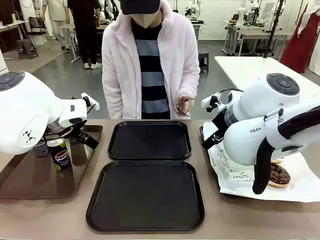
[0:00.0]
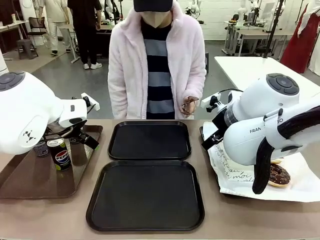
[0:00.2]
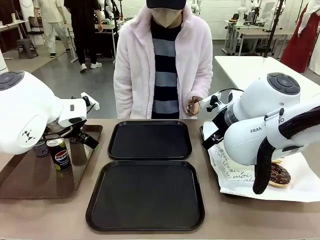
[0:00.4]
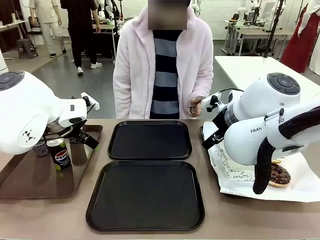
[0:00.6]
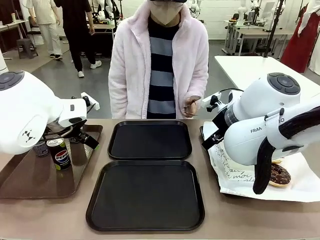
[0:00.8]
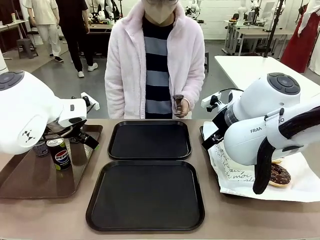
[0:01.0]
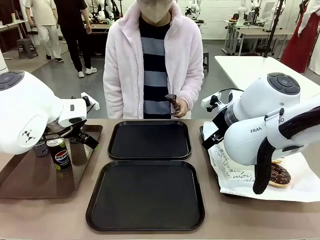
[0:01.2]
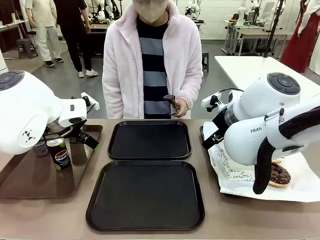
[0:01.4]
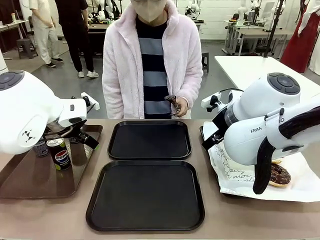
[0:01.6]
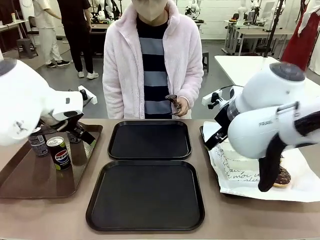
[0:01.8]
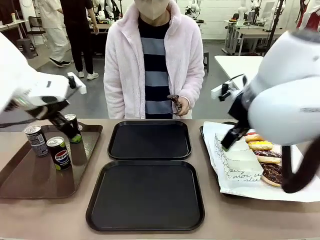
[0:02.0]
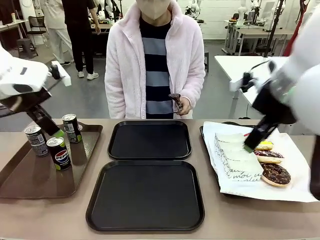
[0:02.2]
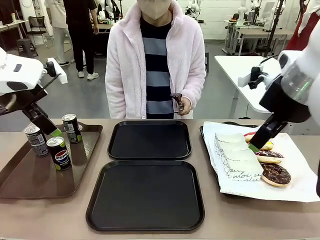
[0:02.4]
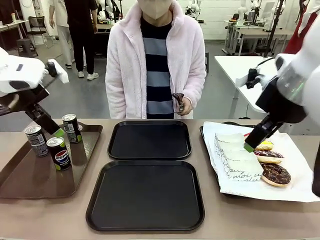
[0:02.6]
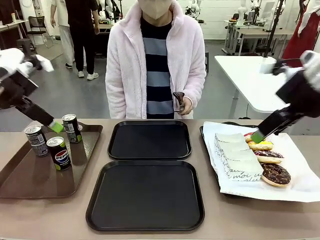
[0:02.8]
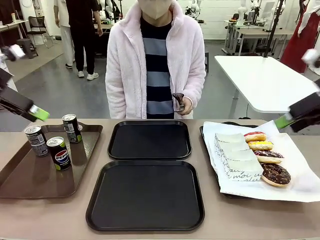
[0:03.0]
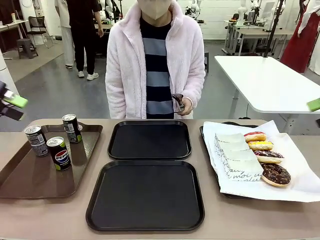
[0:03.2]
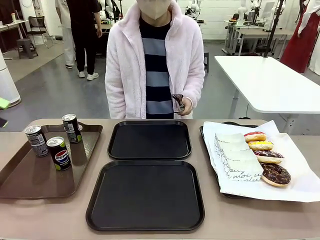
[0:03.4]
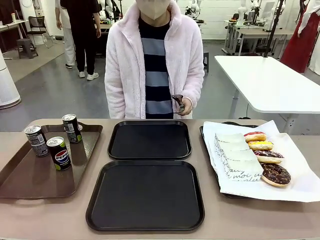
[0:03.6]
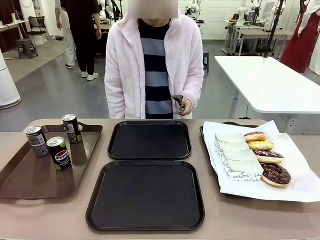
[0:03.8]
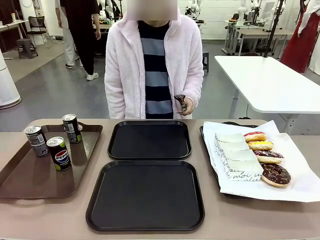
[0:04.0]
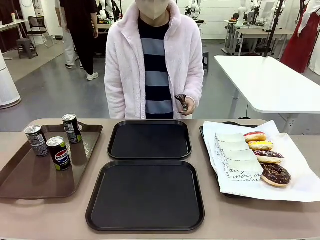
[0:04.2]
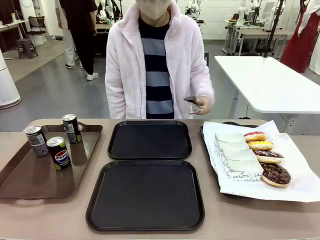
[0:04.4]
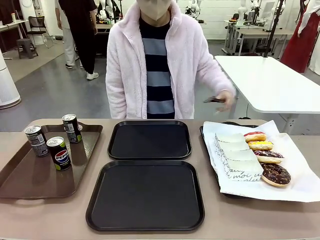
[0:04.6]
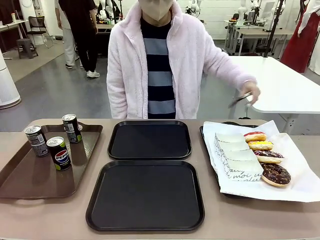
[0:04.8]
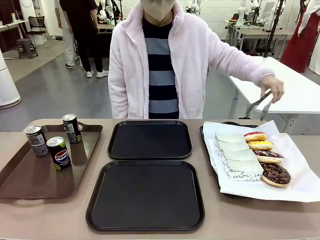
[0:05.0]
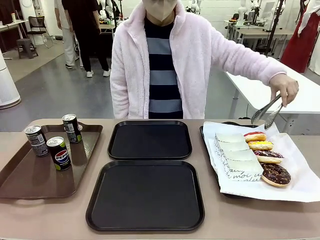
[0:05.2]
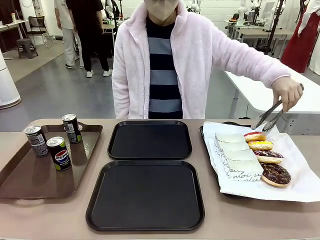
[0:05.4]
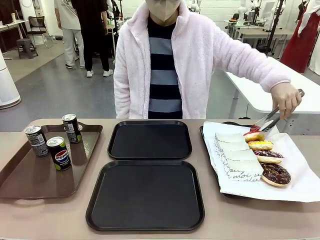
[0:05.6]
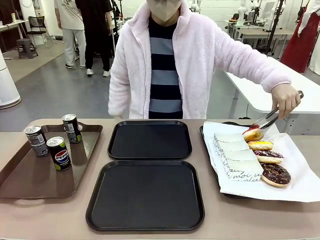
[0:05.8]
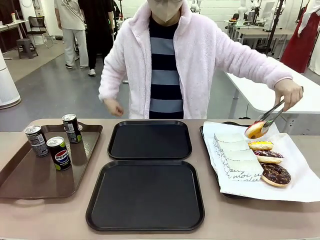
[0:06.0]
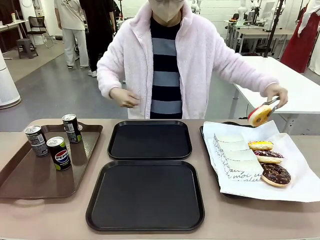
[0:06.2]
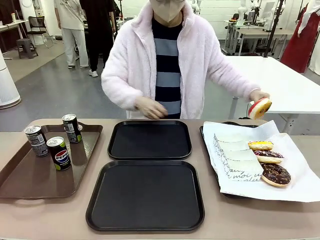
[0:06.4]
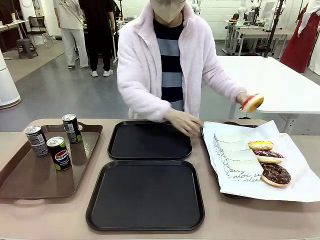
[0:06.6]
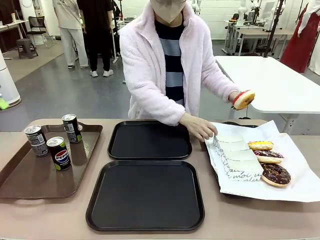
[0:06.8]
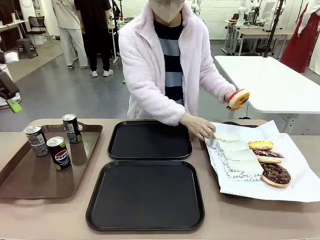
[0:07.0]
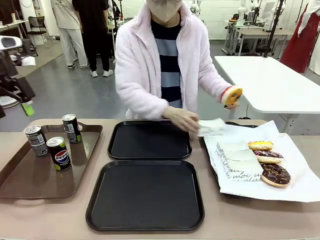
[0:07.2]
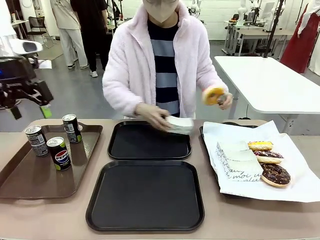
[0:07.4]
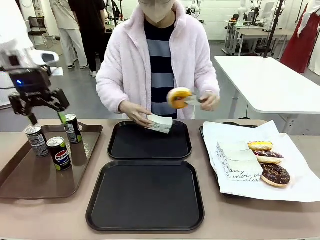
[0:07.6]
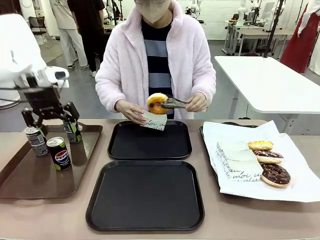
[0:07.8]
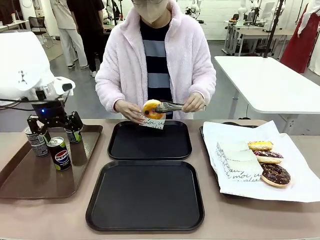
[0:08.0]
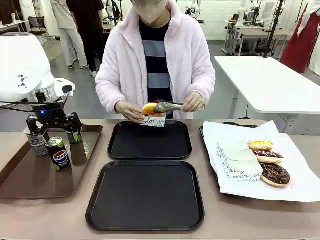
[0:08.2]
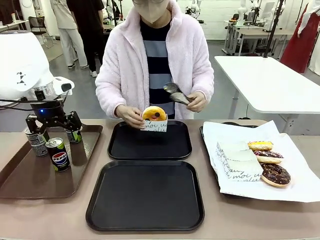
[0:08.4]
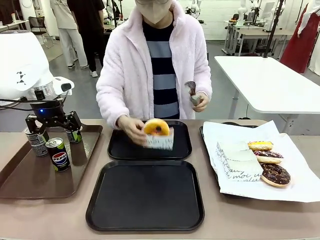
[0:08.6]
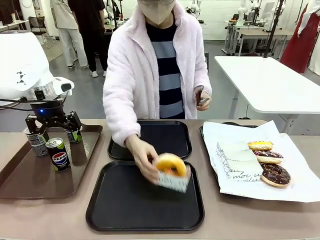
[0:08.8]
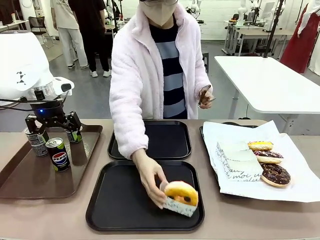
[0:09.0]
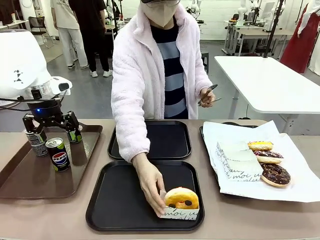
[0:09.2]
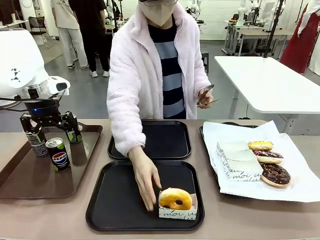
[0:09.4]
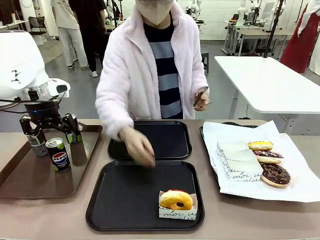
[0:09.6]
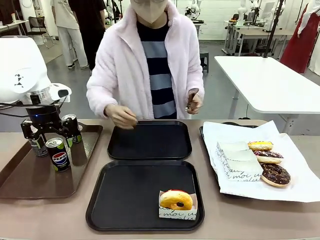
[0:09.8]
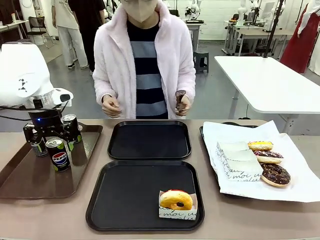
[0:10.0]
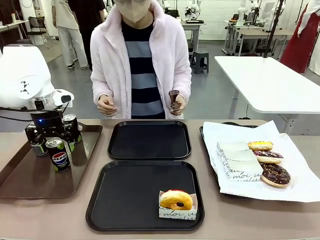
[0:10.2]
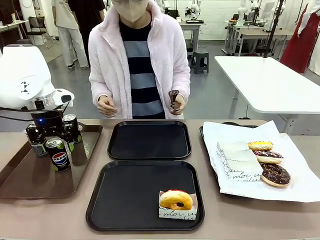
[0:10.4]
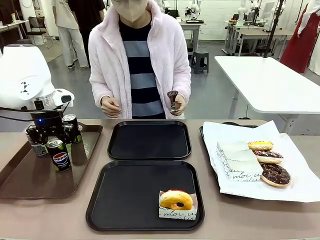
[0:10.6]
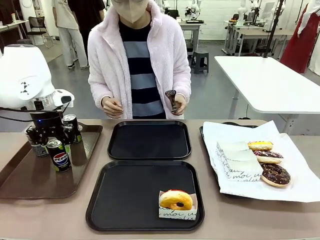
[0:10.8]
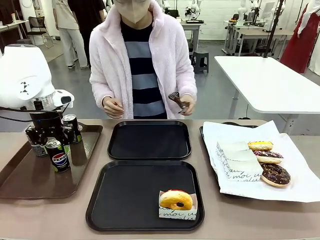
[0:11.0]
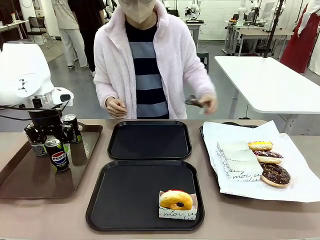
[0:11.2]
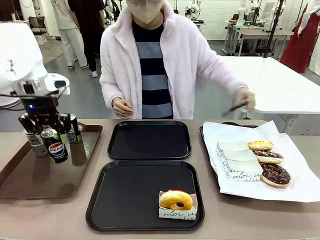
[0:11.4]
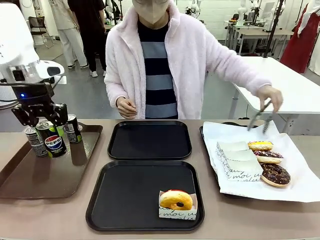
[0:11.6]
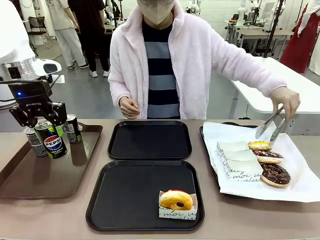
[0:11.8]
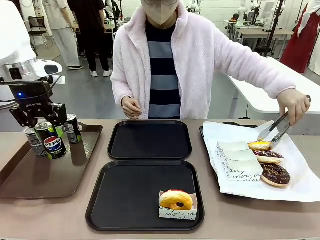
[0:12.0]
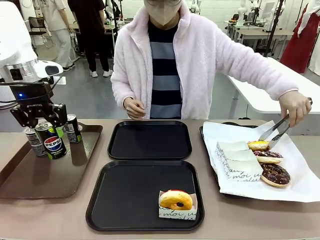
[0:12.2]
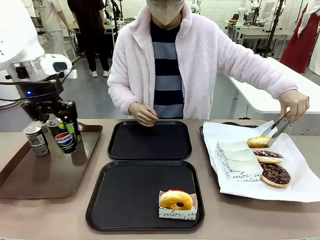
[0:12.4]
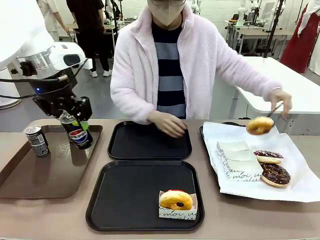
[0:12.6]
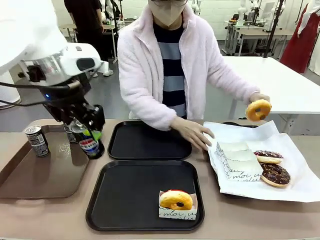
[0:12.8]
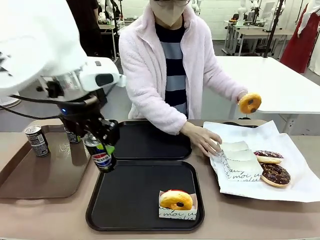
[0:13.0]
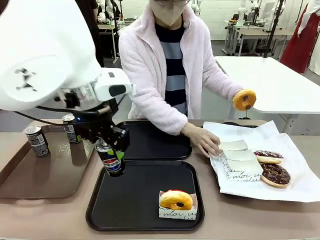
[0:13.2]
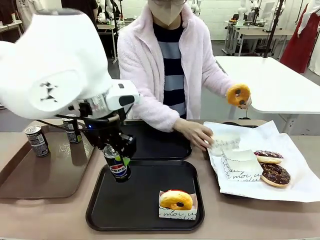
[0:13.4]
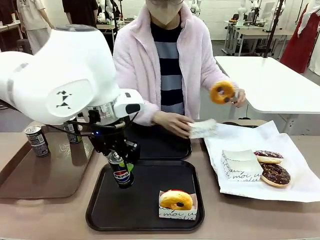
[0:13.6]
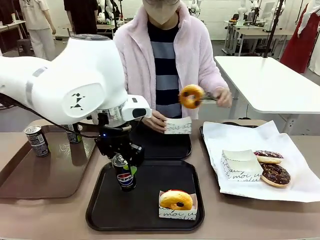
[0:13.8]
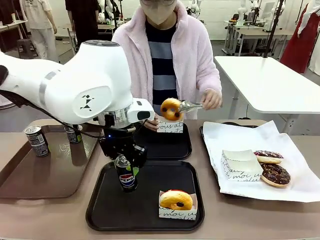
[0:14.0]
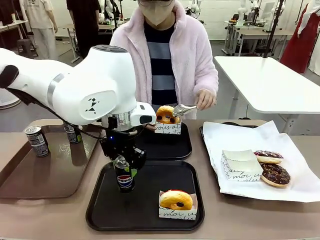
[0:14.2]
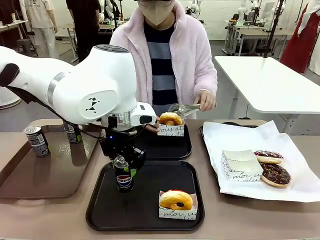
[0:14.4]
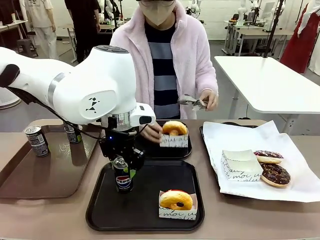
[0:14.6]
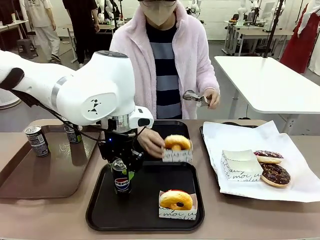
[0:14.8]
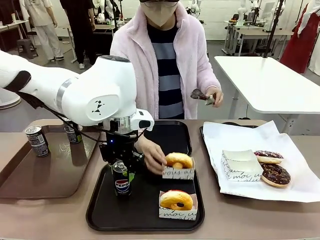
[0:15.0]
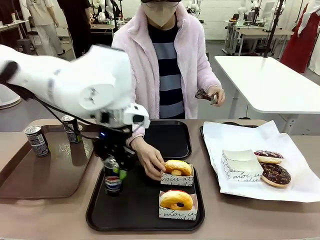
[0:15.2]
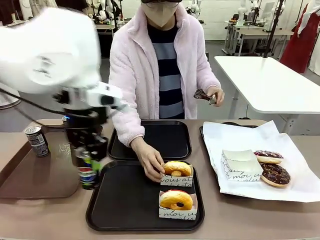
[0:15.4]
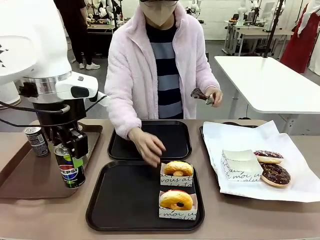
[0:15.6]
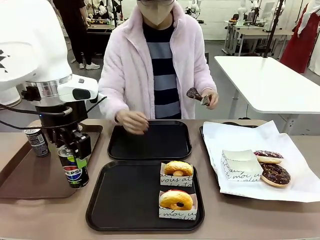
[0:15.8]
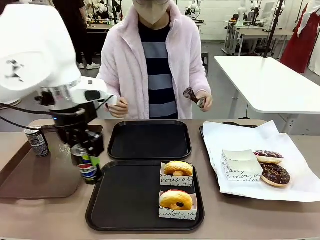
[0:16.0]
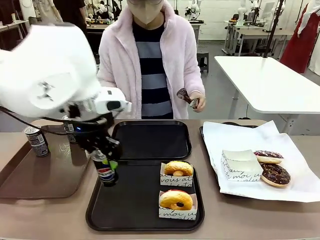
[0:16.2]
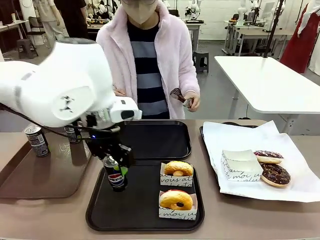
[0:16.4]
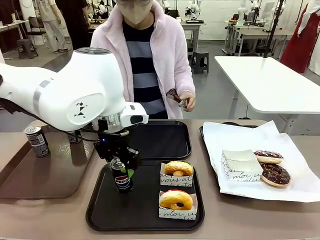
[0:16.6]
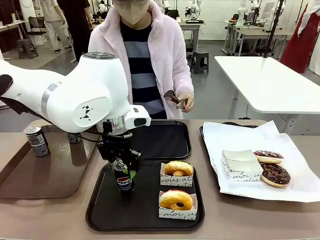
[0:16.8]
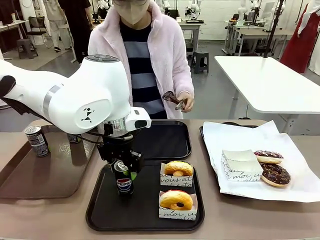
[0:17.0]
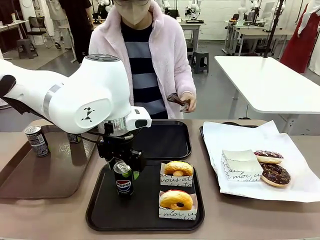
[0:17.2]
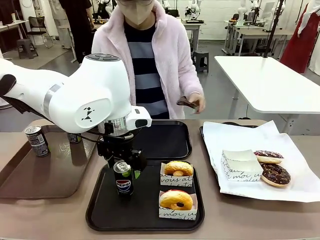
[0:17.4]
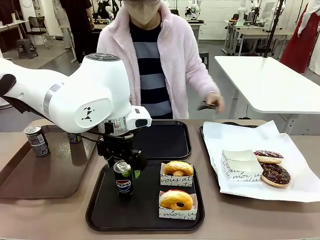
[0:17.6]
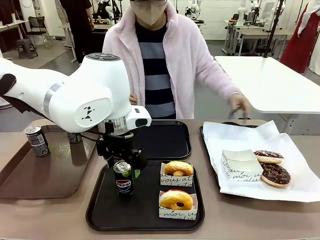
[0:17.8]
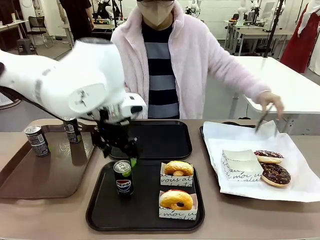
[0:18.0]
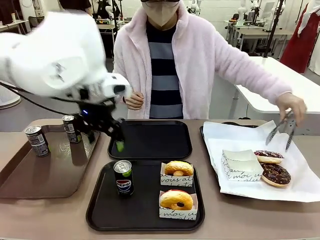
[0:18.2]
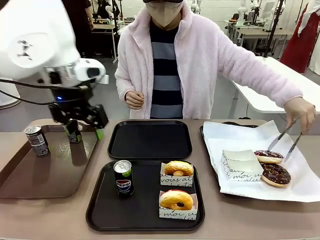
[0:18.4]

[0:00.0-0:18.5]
Task: Set up donuts and drinks on trays.
Robot: Pick up one Pepsi coke and place it on the Flat Tray.
